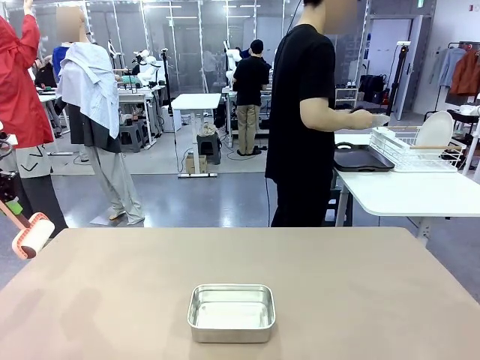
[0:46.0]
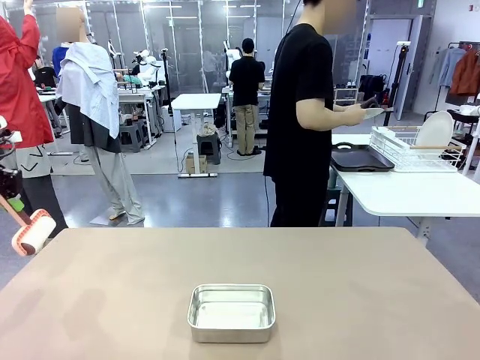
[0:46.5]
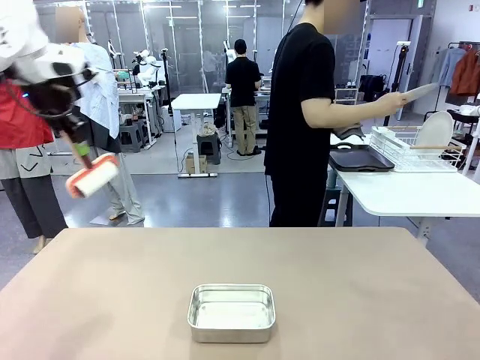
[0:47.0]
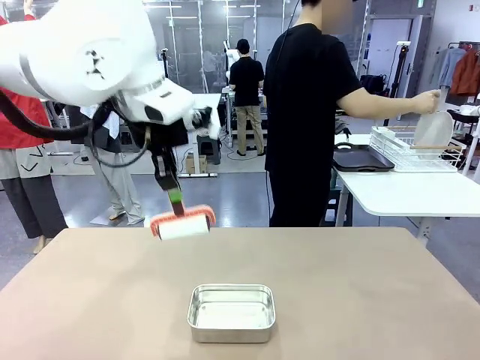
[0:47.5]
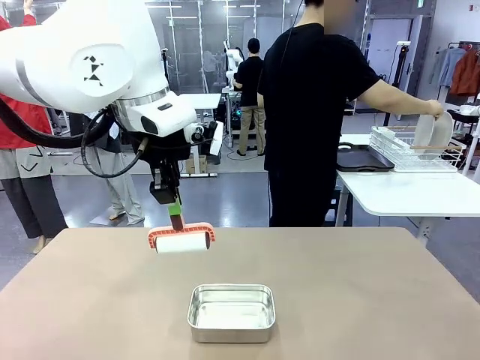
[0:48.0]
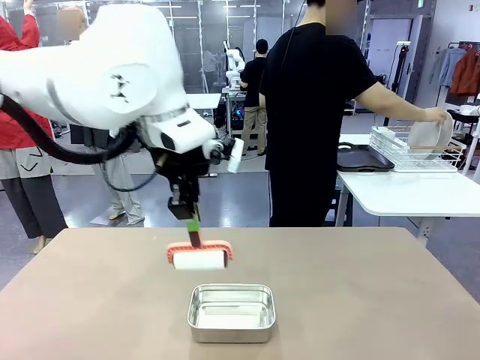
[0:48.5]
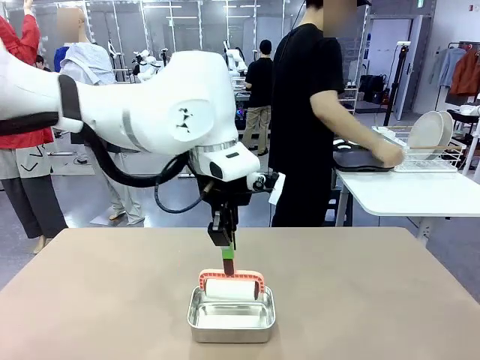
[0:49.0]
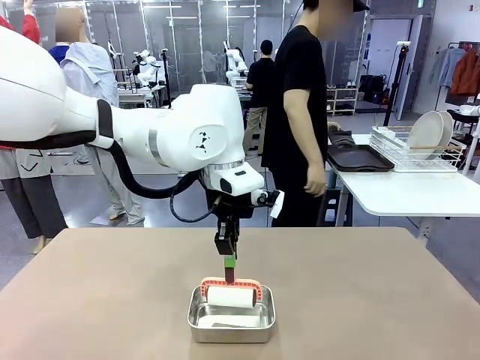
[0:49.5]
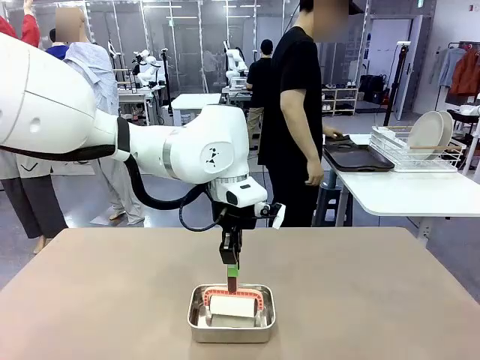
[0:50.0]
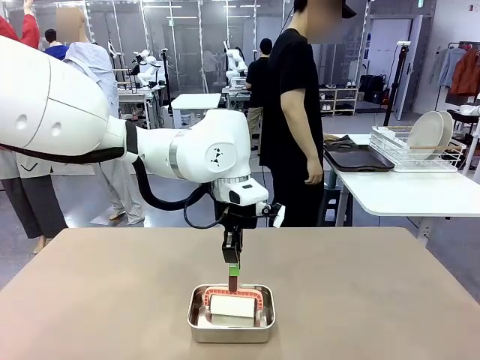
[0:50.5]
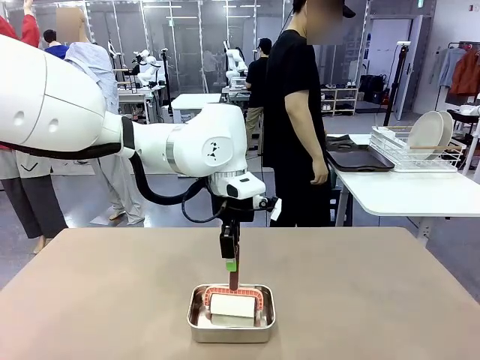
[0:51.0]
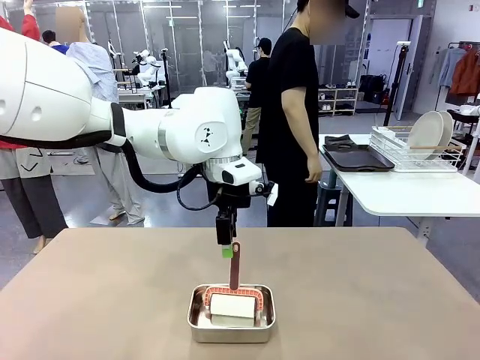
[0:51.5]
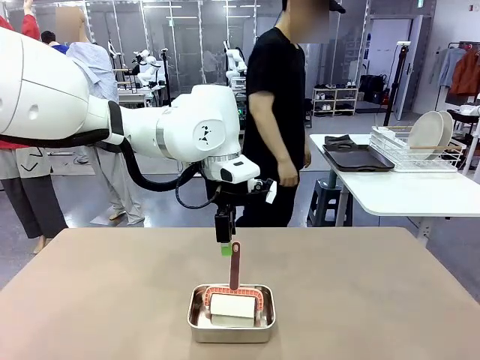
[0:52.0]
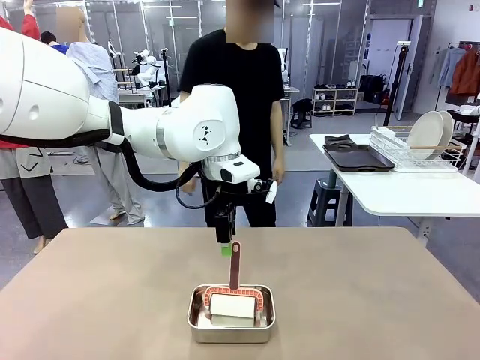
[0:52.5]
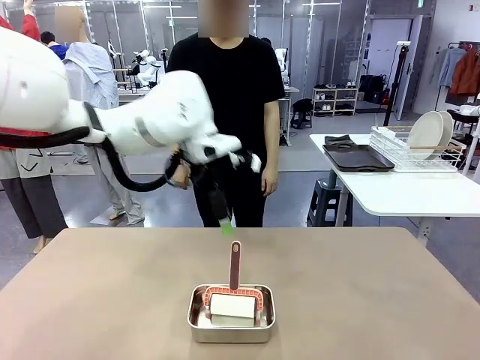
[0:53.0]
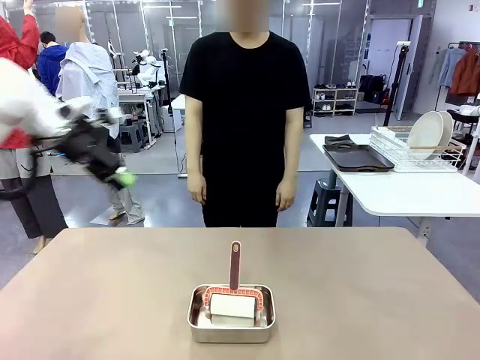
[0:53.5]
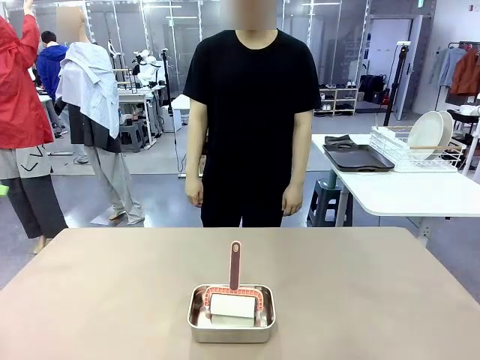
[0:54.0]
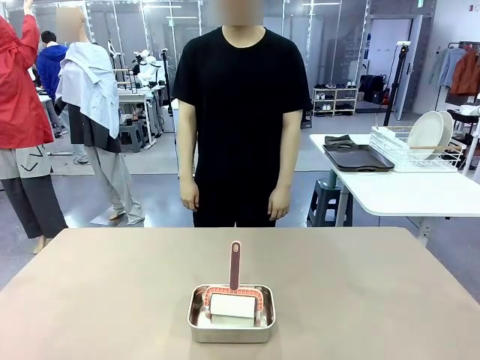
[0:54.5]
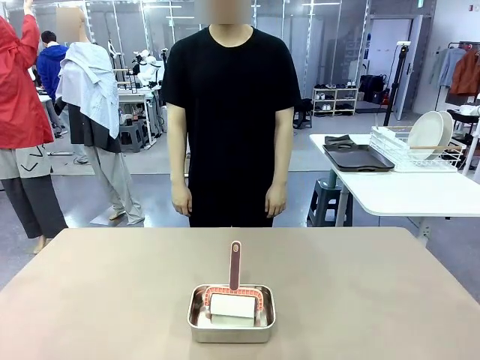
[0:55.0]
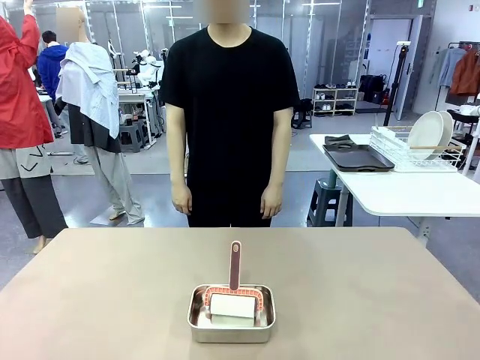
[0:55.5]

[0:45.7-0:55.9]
Robot: Place the Lint Roller back on top of the Airtight Container.

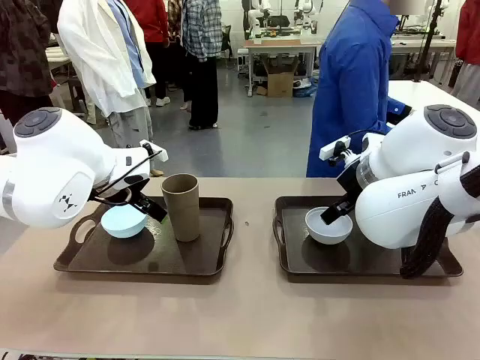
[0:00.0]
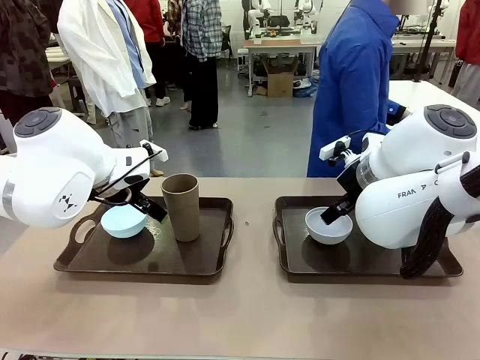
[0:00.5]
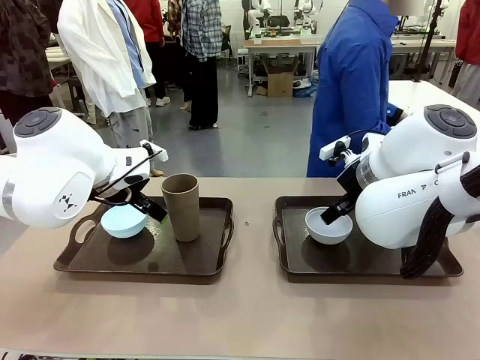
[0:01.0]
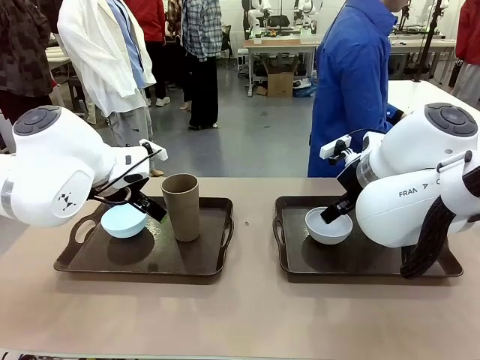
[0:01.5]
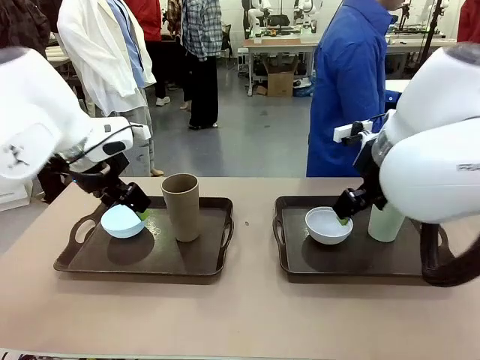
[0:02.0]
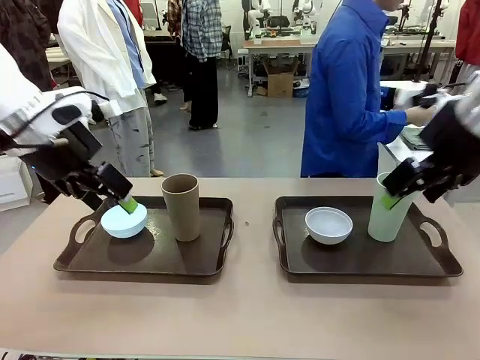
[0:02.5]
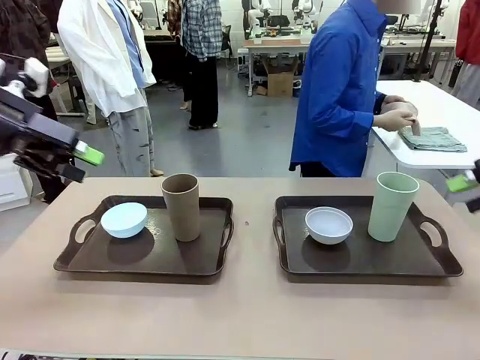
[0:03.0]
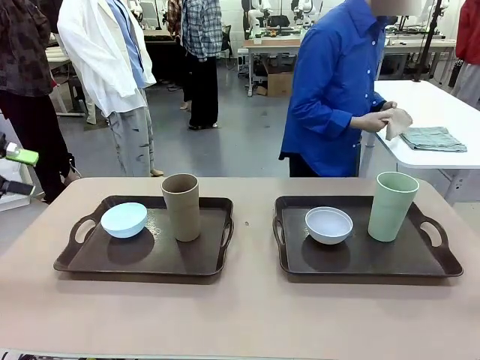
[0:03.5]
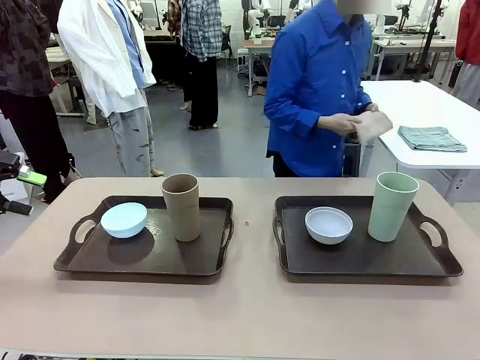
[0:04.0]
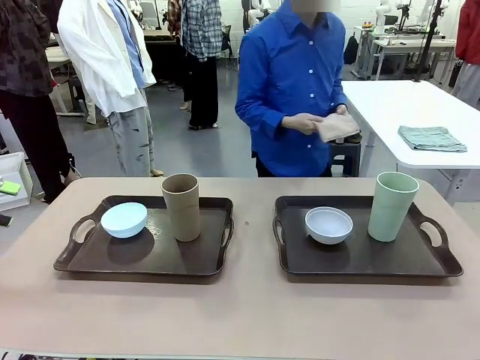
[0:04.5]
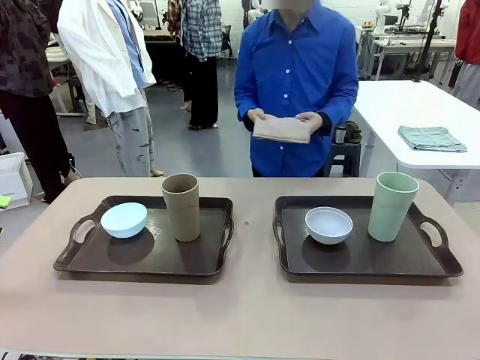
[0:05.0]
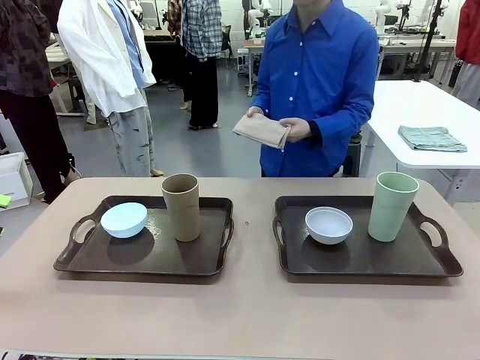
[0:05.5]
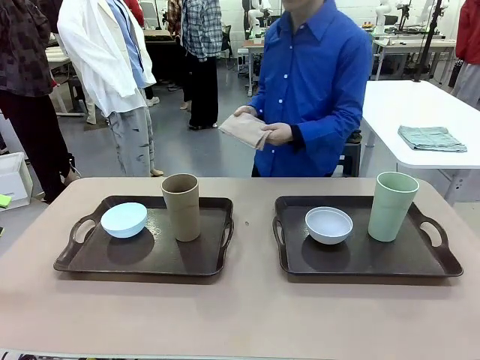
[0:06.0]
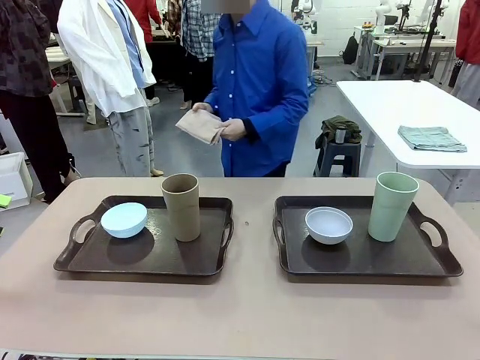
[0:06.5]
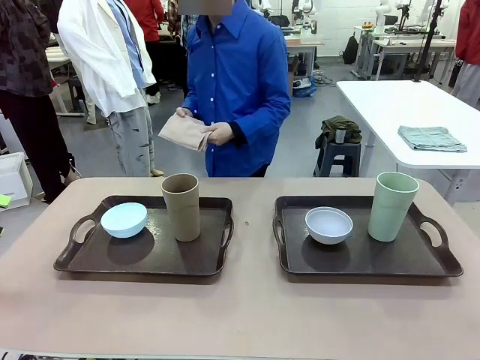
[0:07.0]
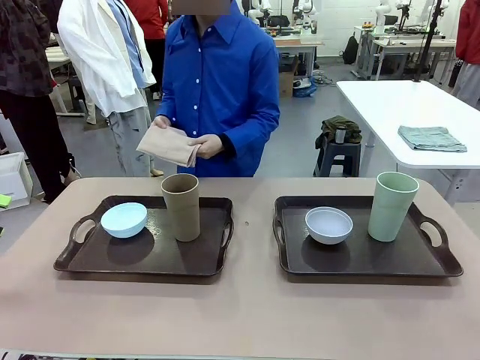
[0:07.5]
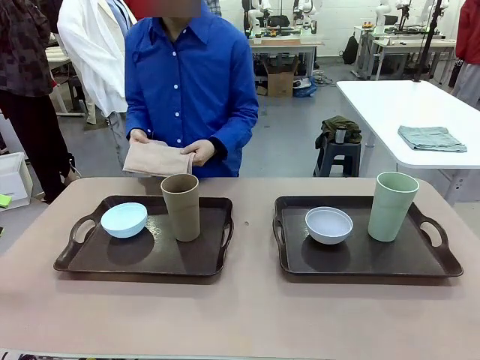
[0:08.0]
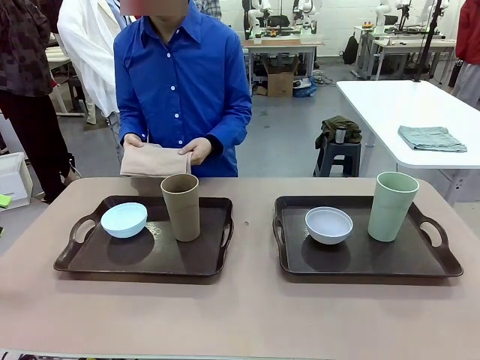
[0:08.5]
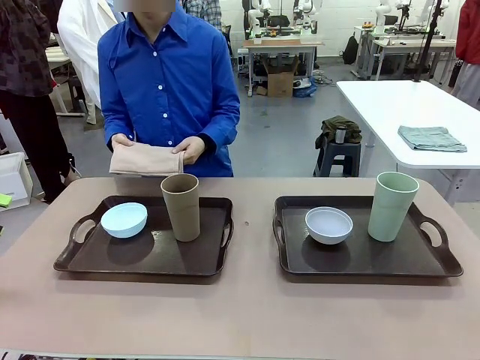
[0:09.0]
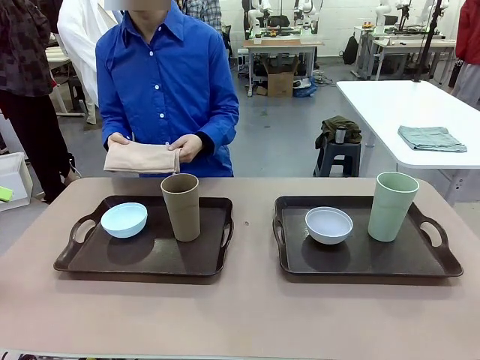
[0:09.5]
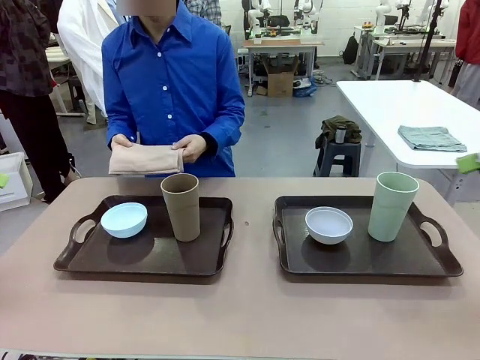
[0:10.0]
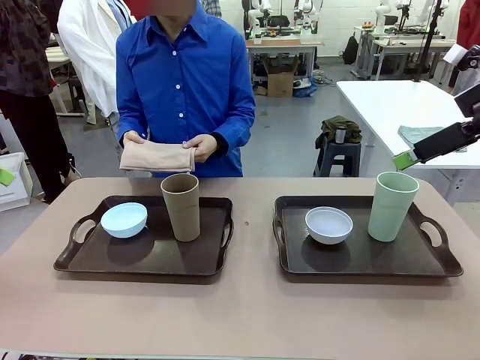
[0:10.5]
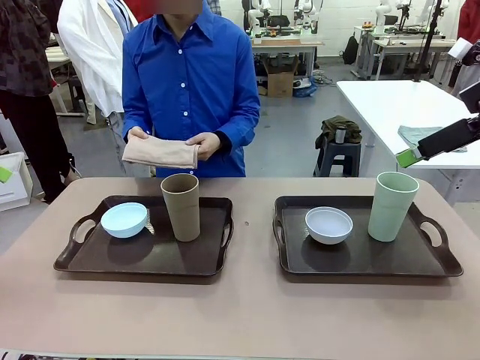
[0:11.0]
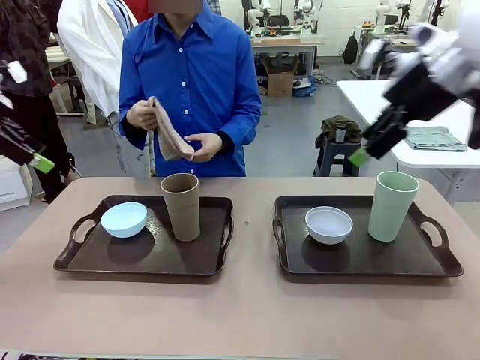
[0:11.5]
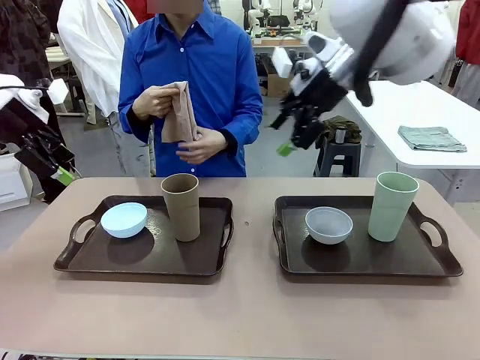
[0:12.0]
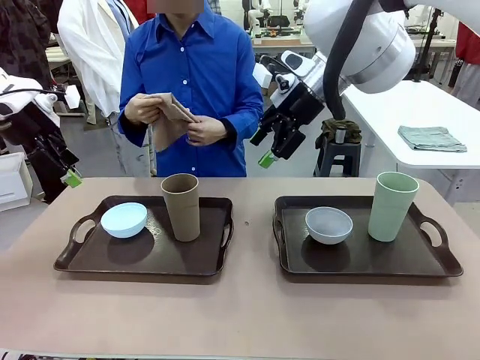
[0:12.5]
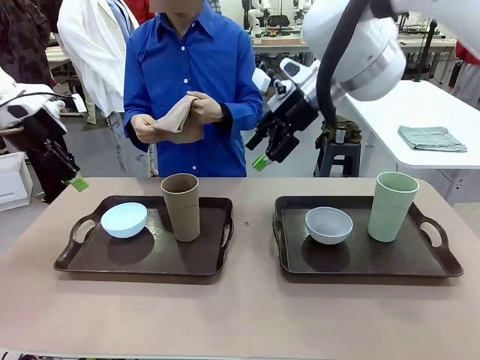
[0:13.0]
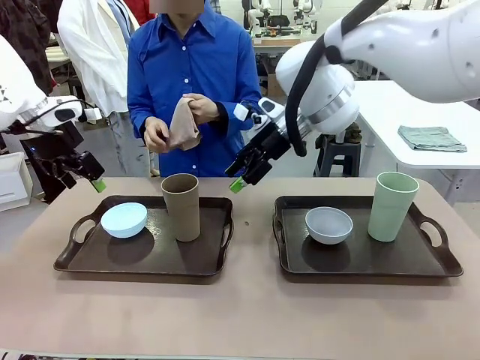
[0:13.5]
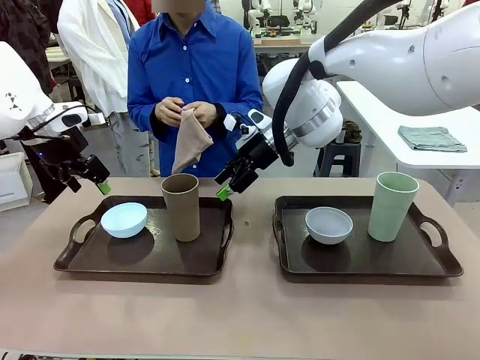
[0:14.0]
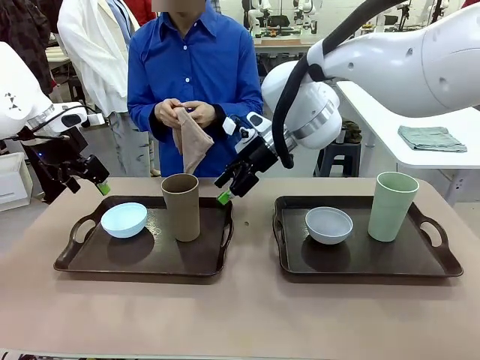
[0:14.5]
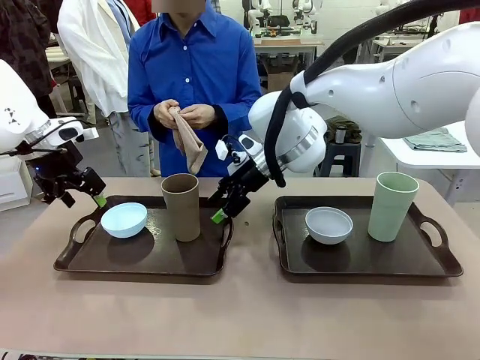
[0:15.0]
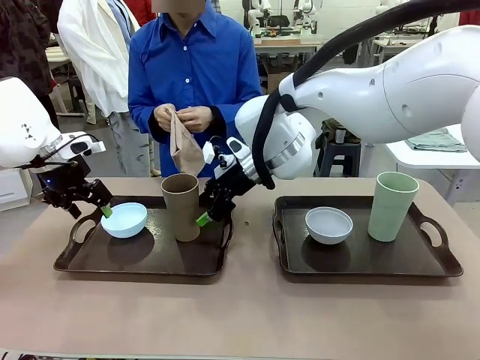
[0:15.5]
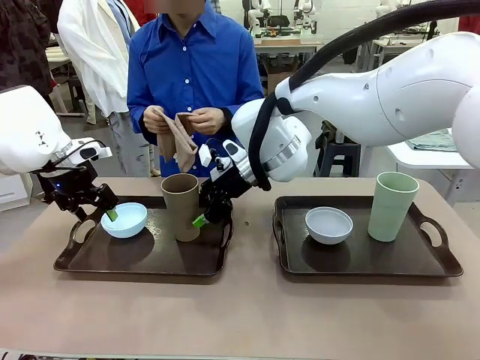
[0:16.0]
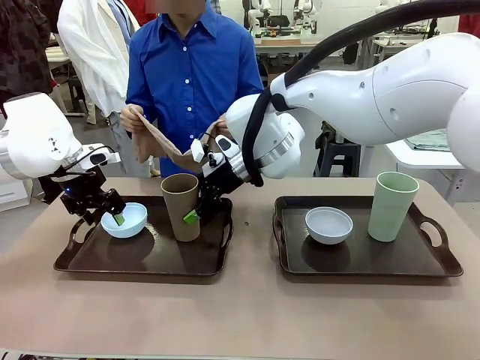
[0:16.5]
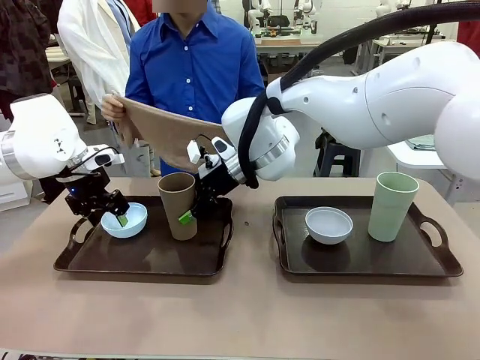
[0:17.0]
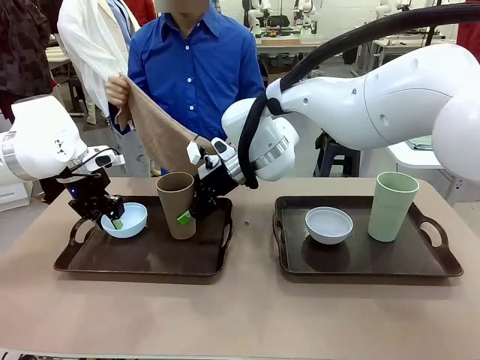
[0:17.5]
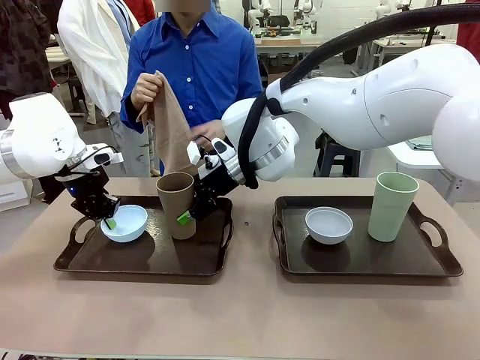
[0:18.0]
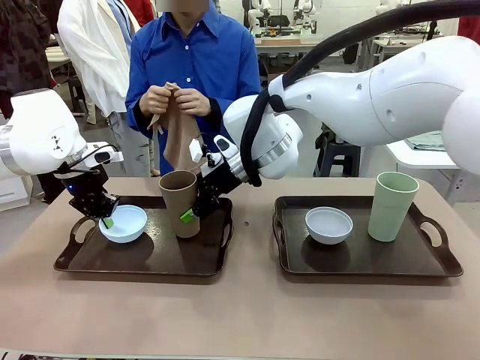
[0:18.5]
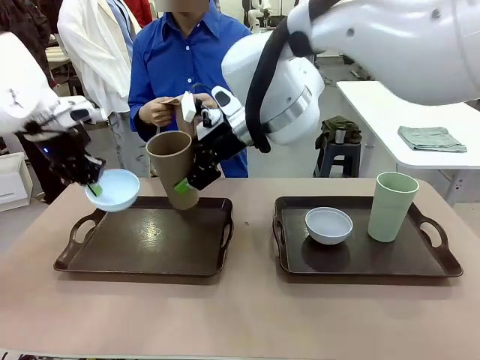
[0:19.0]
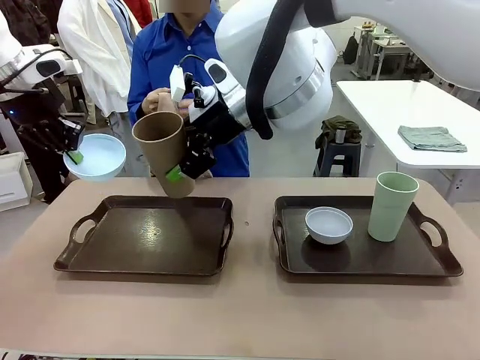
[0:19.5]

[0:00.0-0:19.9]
Robot: Pick up the Picnic Bowl and Reusable plastic cup from the Handle tray in front of the human's position and hold them in the air.
Person: The human picks up the top napkin from the stack on the human table and walks to the robot table to stand in front of one of the two trays. When the robot lifts the bowl and the cup, the human unfolds the napkin and lays the napkin flat on the tray.
